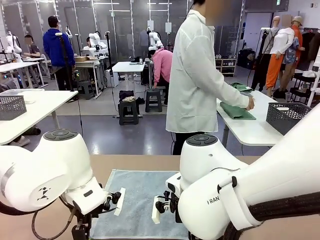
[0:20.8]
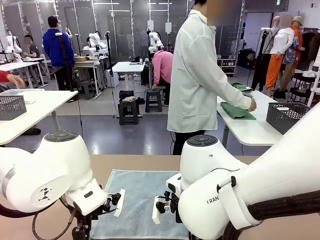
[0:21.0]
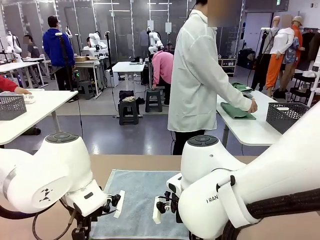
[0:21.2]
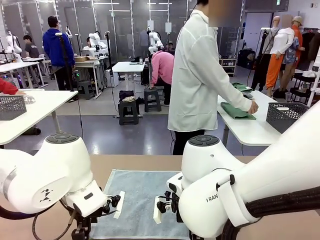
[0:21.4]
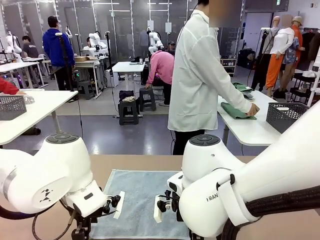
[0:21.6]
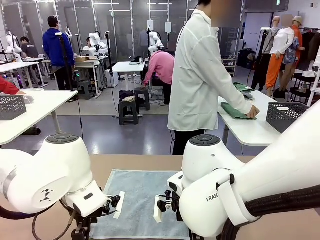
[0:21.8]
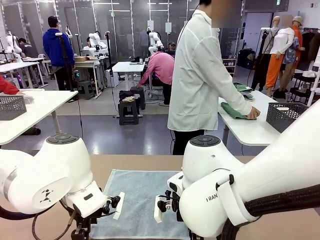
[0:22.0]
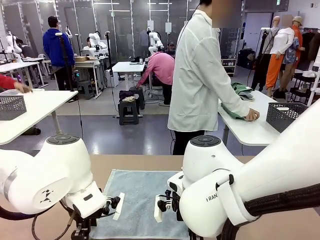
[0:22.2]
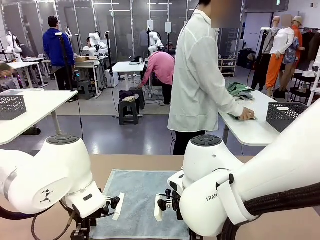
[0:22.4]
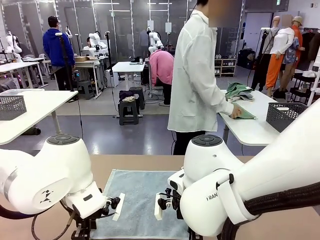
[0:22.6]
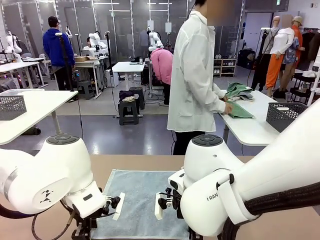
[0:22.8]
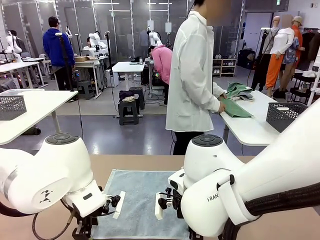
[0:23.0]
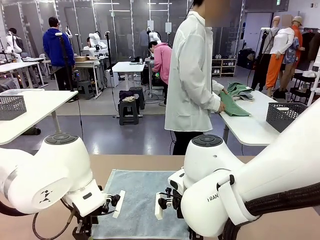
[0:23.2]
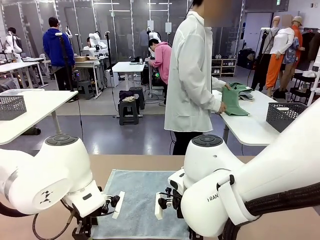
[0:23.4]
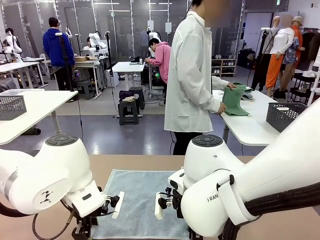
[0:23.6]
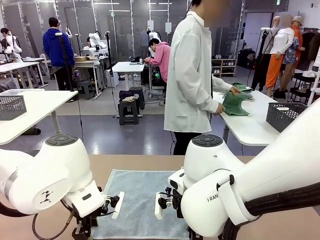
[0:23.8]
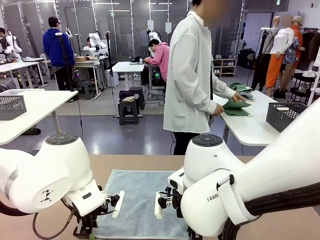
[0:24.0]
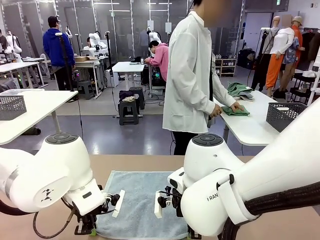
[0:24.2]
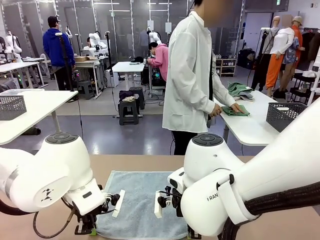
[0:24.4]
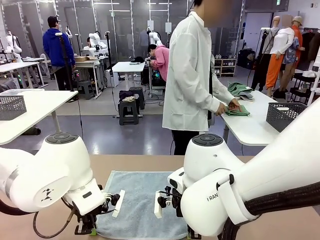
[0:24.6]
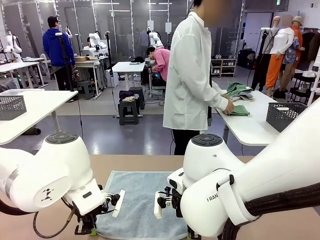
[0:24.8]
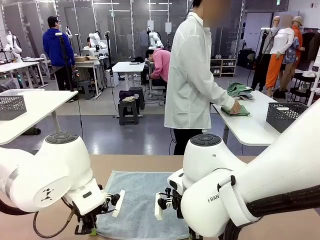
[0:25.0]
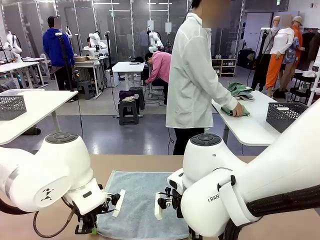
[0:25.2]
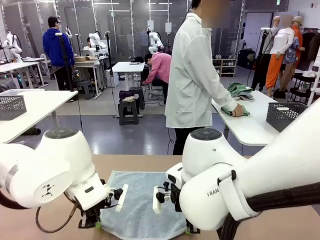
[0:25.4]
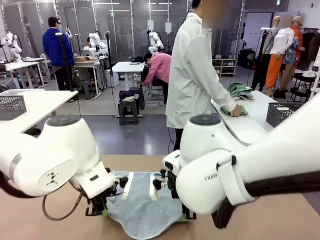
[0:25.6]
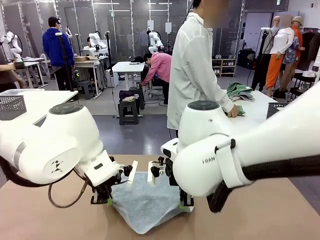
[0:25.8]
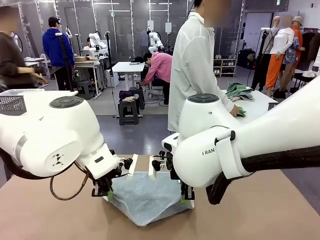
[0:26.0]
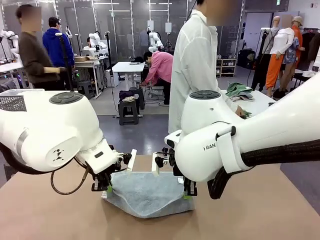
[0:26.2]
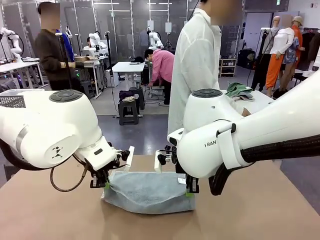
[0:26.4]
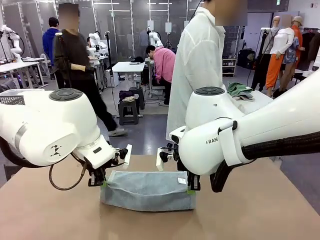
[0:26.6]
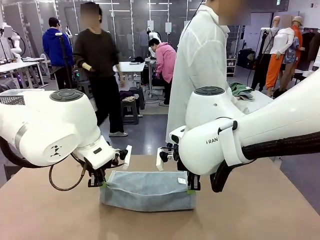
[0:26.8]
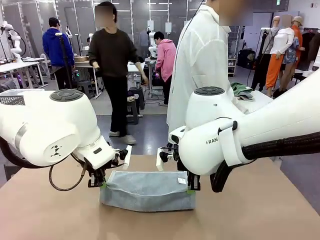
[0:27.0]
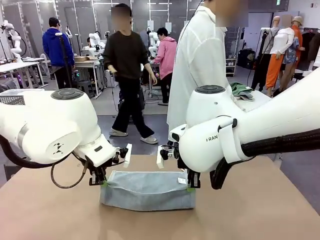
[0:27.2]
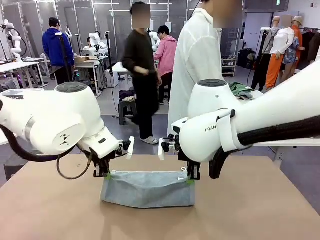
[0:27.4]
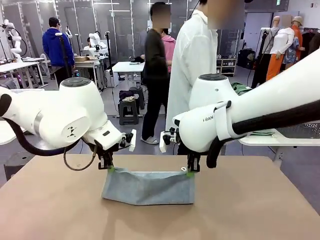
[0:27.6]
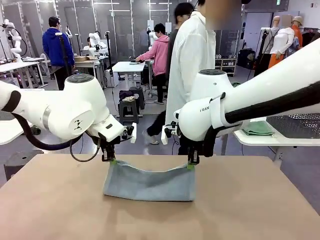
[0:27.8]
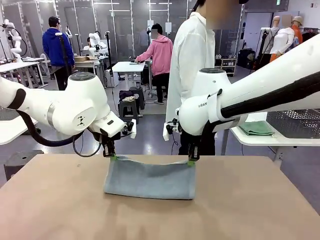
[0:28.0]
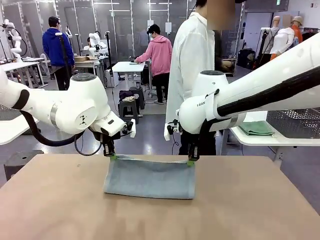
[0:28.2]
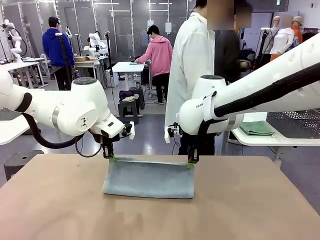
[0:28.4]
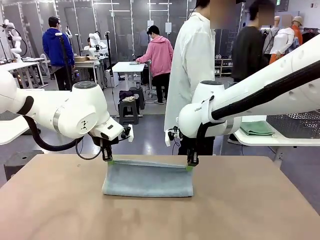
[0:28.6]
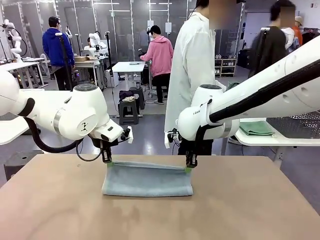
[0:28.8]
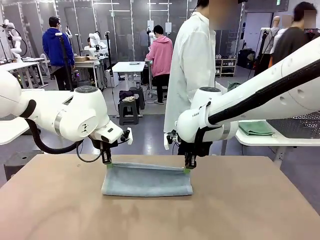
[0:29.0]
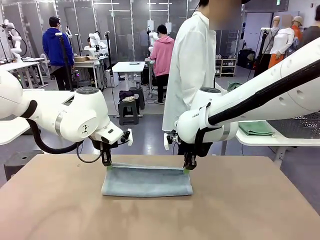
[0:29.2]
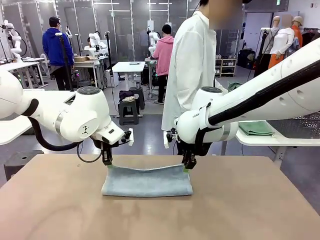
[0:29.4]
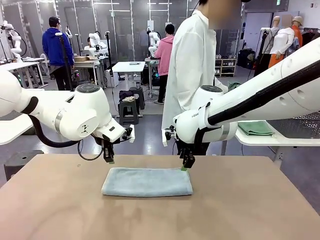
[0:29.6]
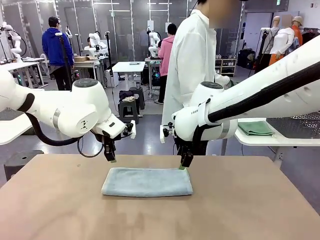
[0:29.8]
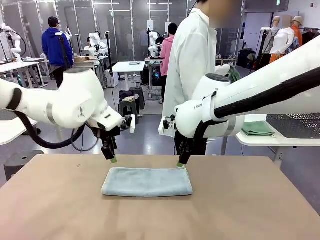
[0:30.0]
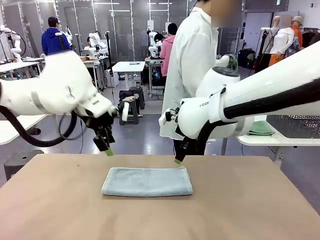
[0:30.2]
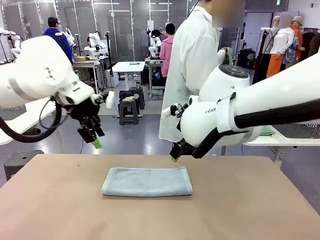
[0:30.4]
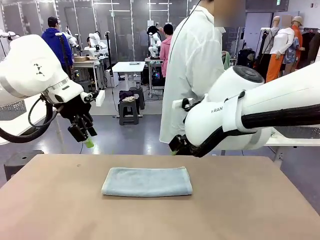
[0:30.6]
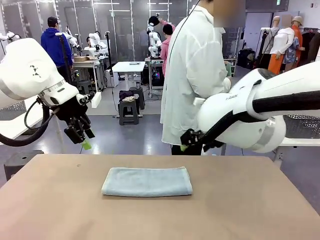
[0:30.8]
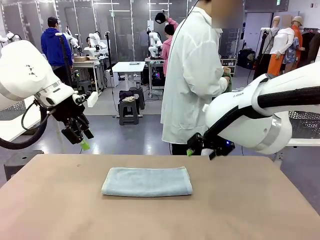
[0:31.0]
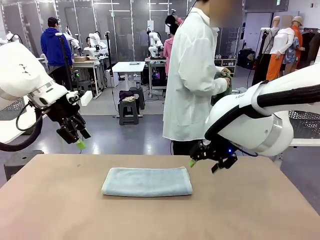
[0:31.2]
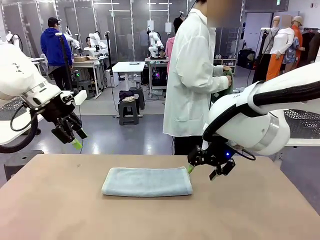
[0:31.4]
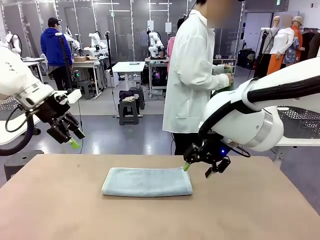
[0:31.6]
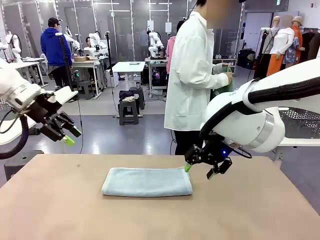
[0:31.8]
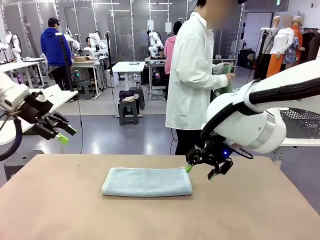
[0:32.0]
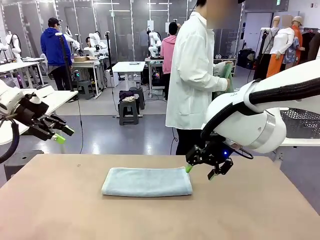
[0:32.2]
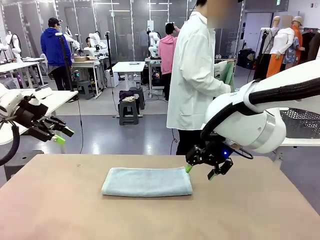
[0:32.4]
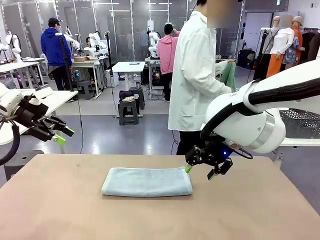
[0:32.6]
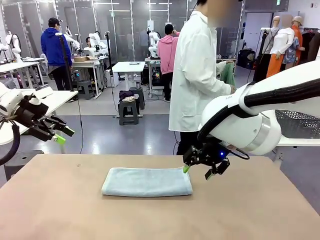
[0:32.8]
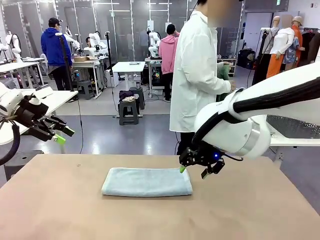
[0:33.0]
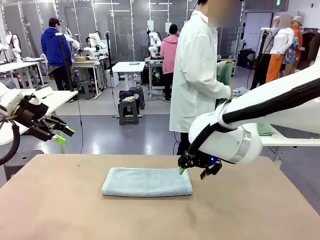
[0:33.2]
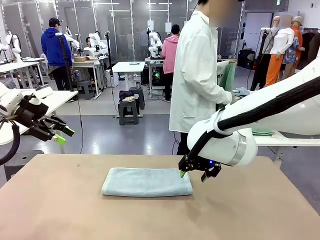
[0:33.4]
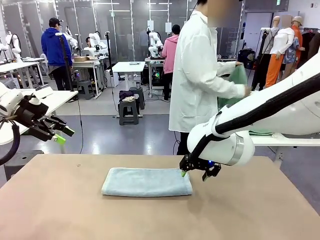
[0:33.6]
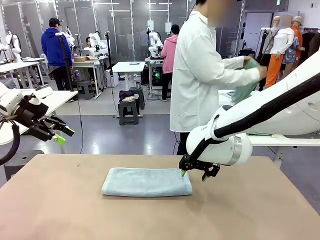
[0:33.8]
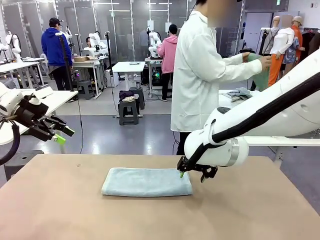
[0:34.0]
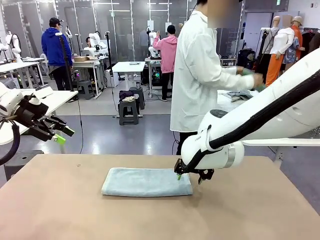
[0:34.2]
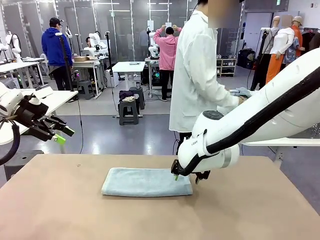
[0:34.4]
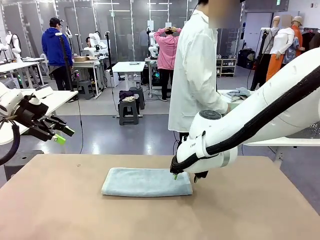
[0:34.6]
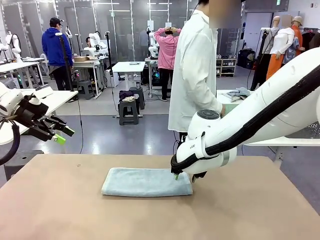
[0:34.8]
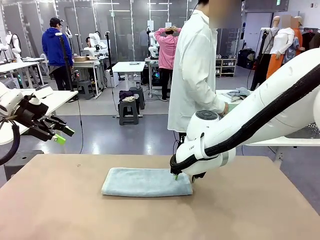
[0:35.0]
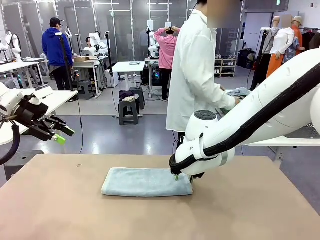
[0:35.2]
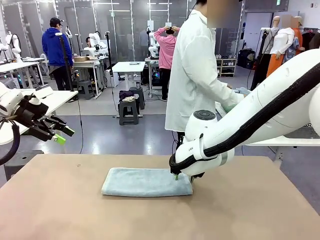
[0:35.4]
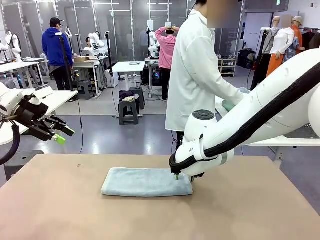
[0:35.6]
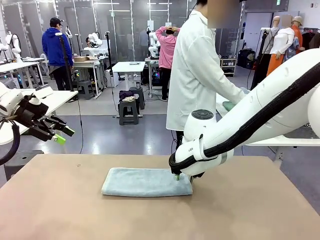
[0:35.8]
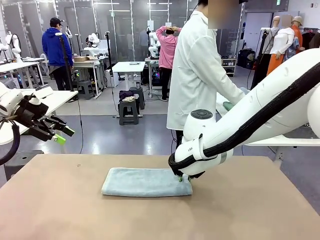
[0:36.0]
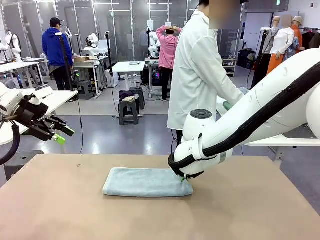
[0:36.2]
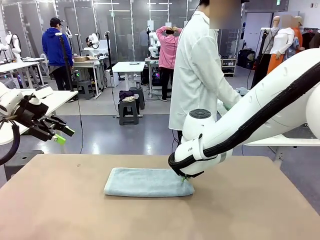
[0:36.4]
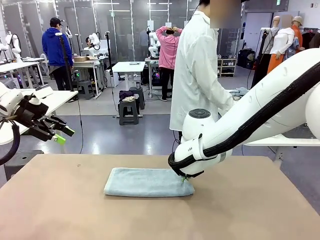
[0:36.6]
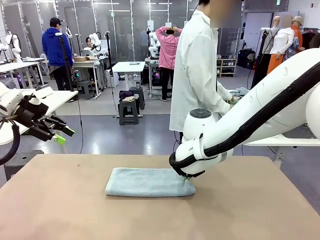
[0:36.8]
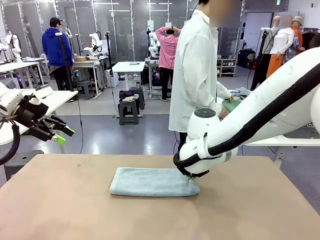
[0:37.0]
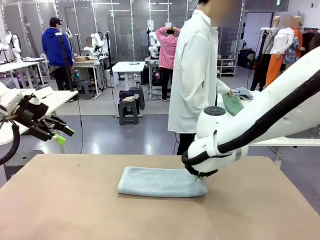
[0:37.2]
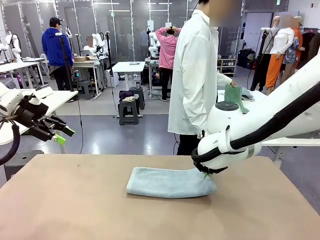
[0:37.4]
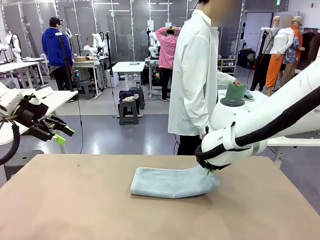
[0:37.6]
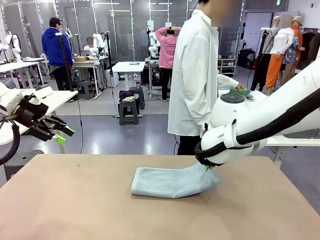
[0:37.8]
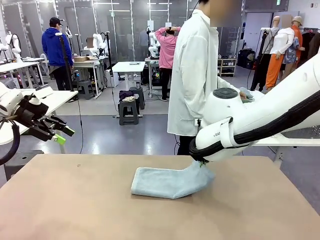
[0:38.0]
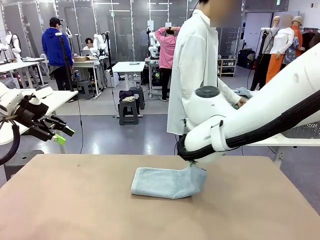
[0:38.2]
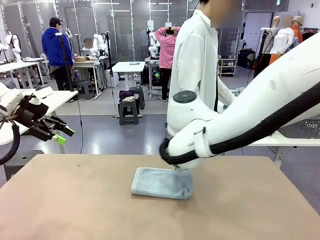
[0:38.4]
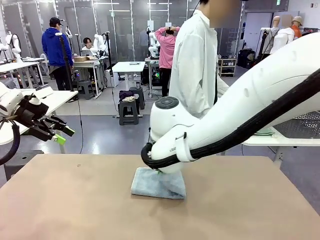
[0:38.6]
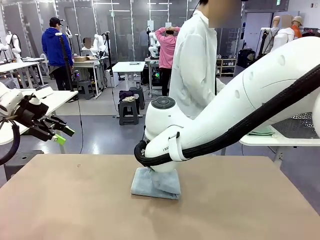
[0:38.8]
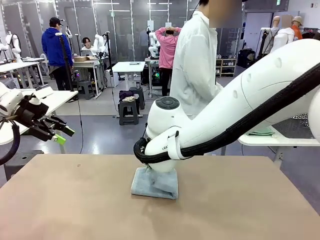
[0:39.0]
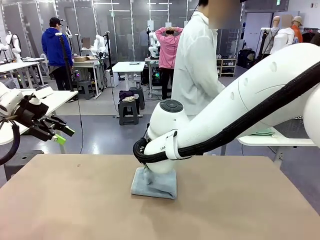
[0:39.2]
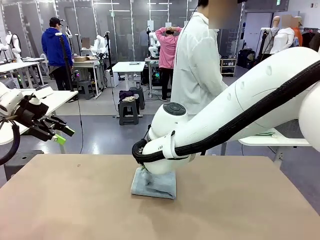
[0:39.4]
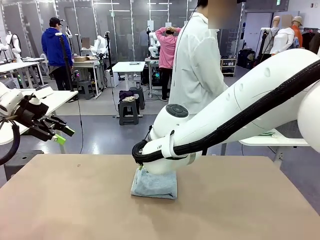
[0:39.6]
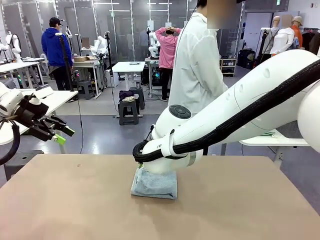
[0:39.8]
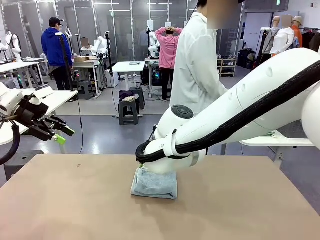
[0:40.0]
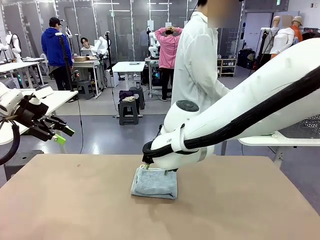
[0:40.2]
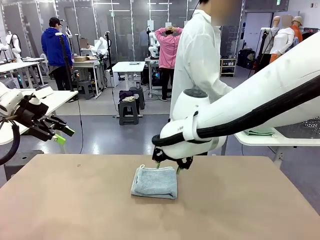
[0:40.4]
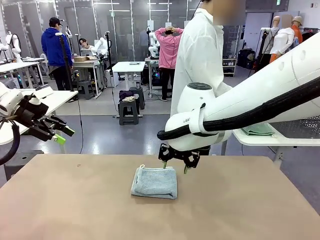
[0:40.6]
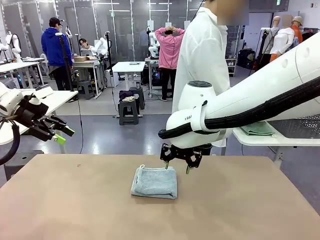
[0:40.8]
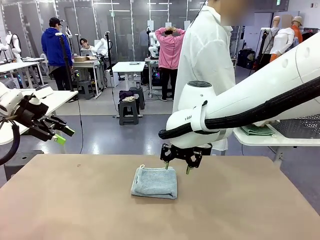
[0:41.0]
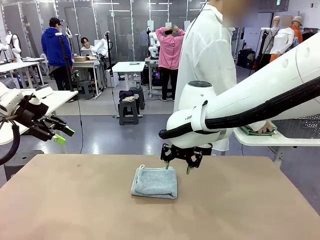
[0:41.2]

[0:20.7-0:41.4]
Task: Fold the towels and place them in the basket.
Robot: When a person lays out a Towel with hook on the table, fold it in half twice.
Person: Pick up one towel from the left side of the human table, fold it in half twice, and place it on the right side of the table. Pick up one towel from the left side of the human table, fold it in half twice, and stack it on the right side of the table.
